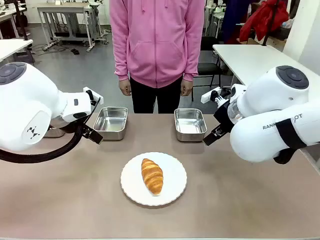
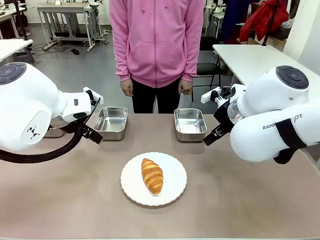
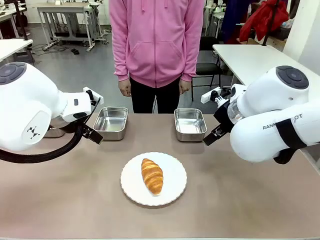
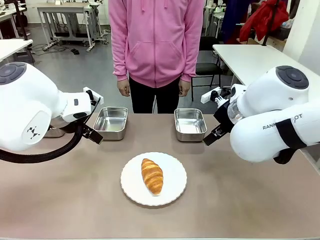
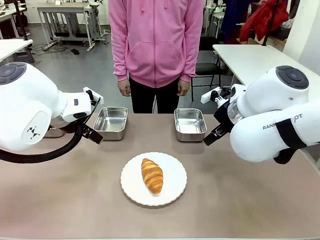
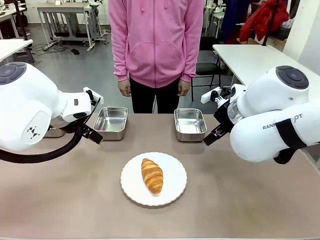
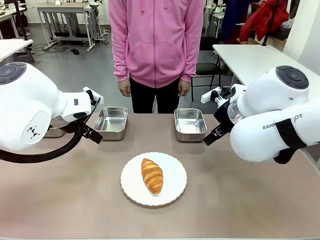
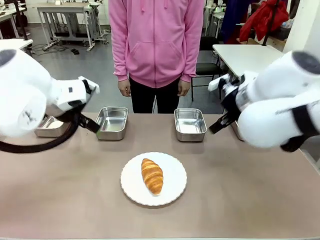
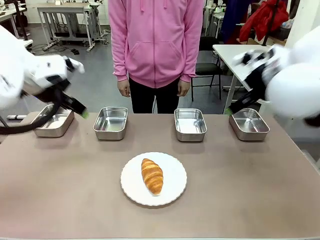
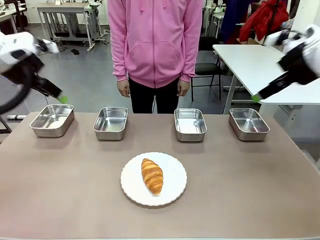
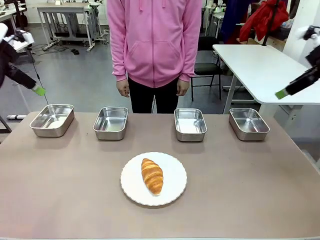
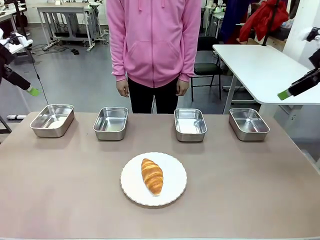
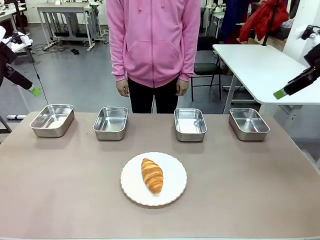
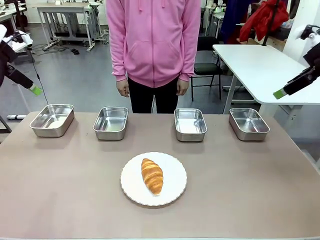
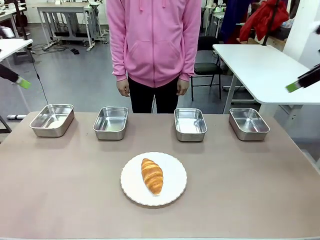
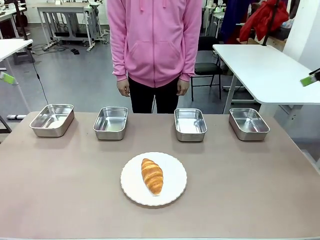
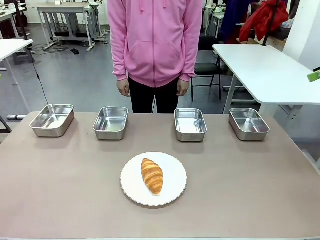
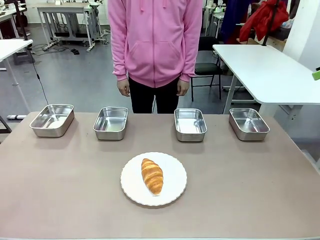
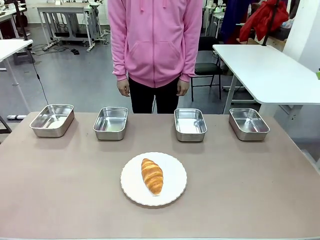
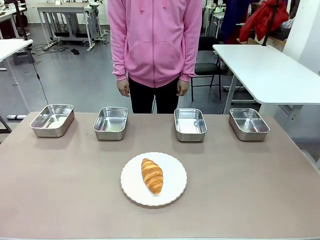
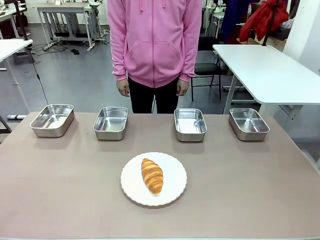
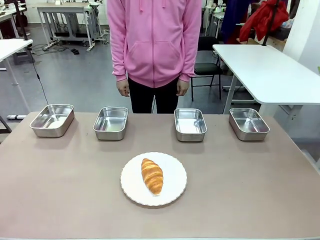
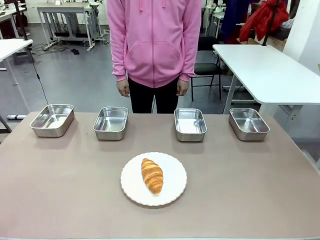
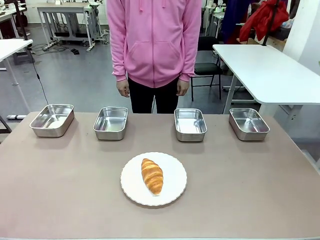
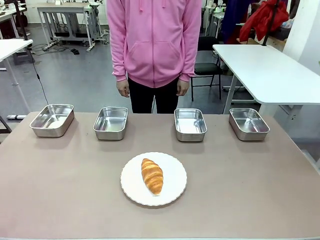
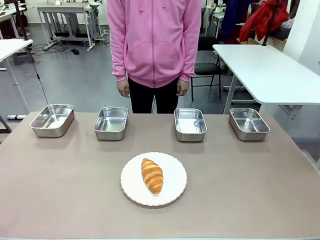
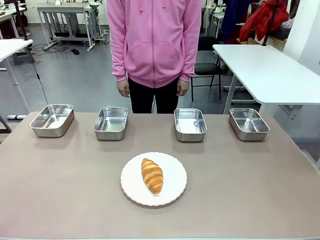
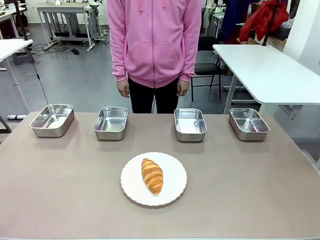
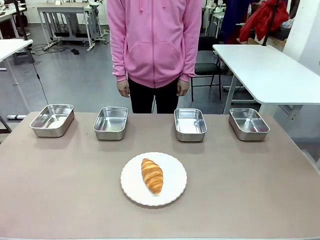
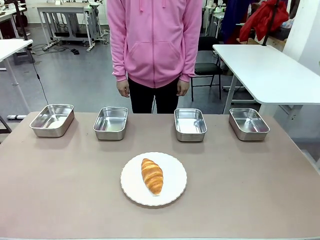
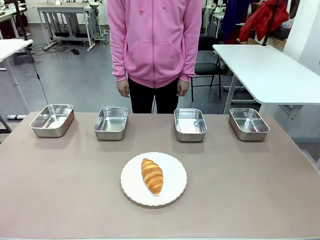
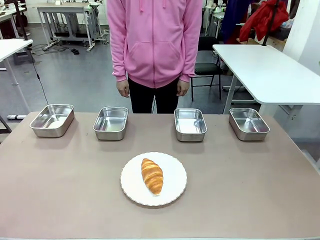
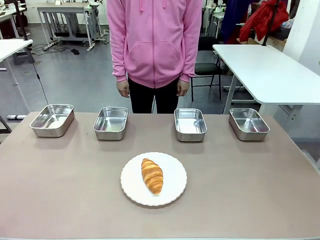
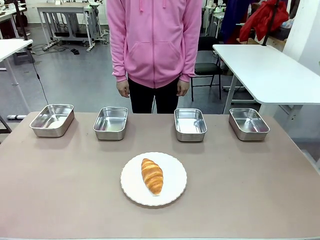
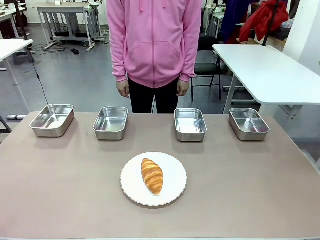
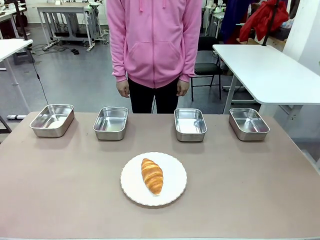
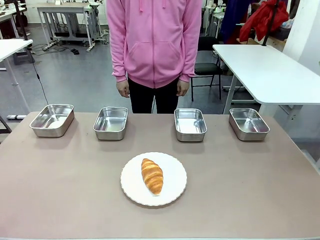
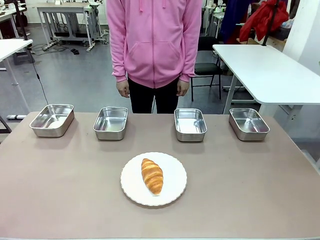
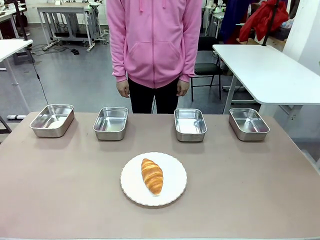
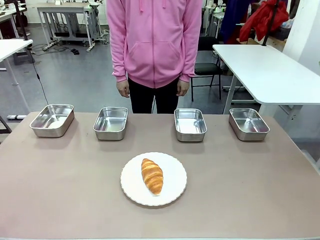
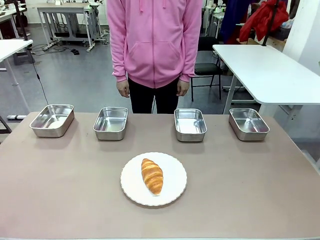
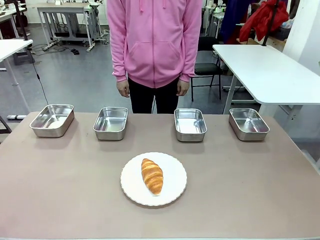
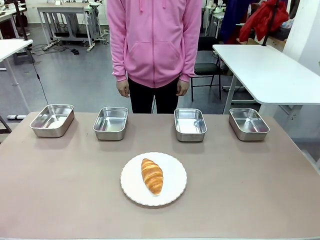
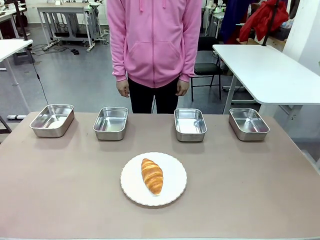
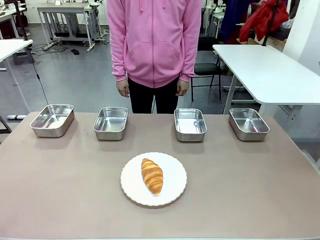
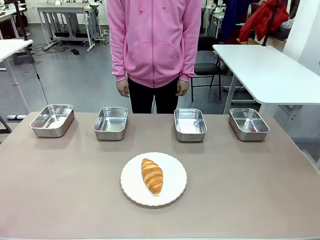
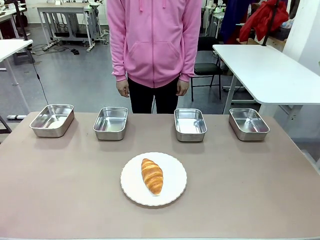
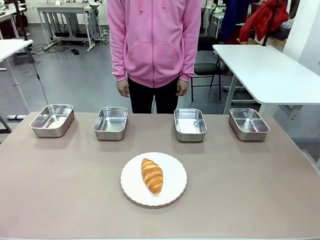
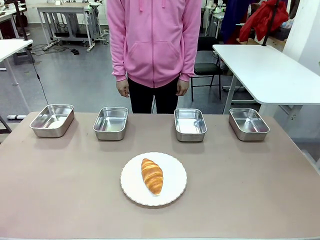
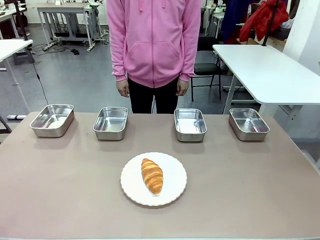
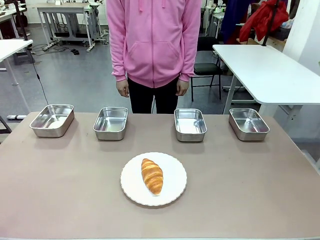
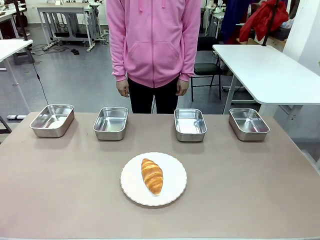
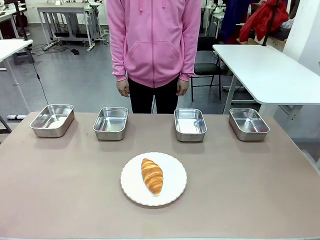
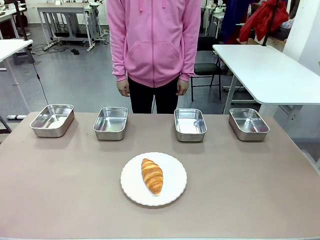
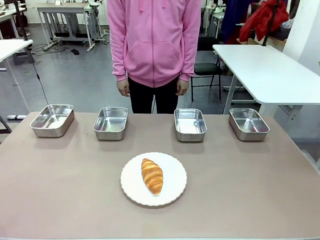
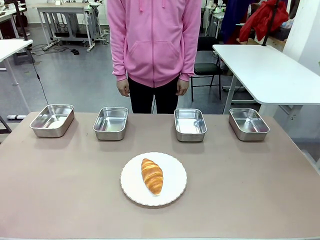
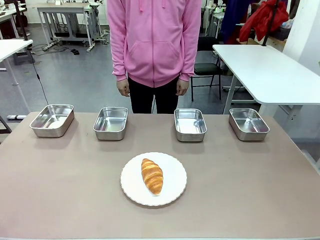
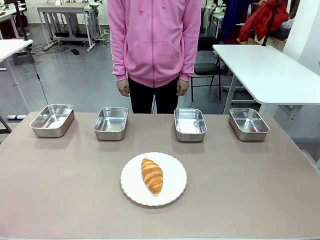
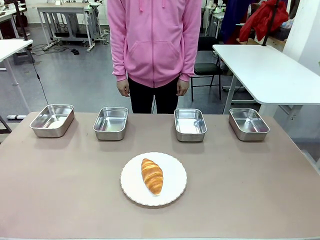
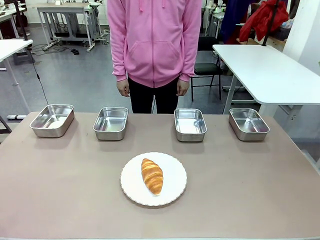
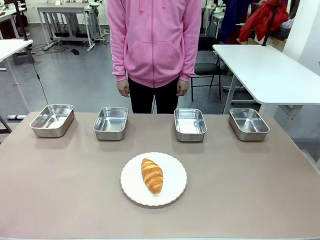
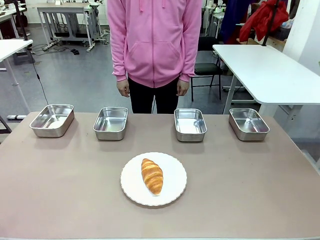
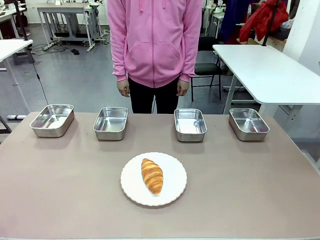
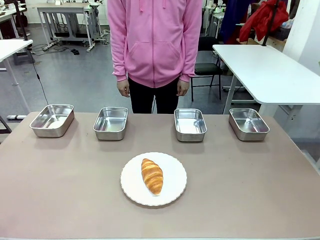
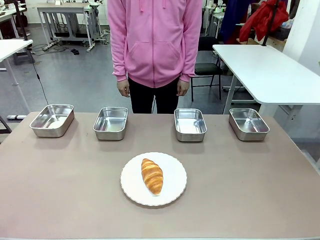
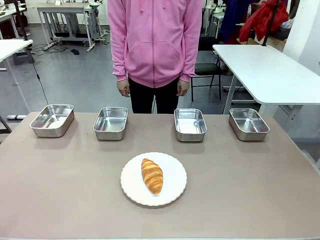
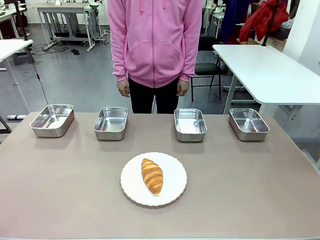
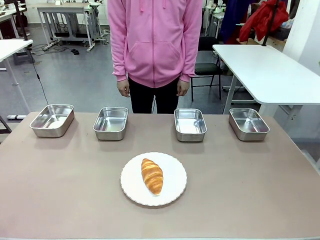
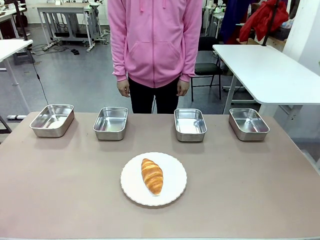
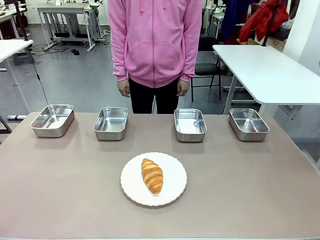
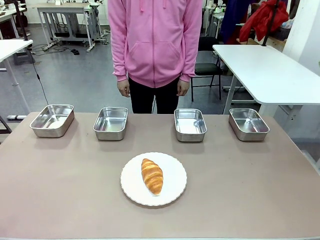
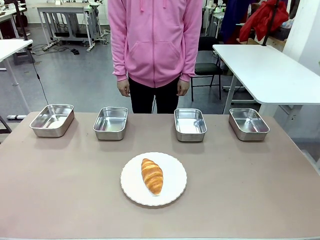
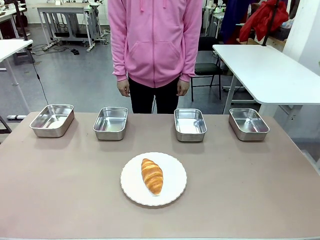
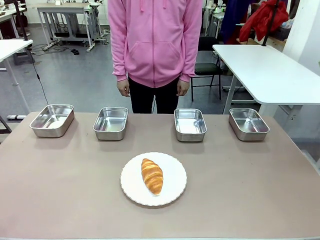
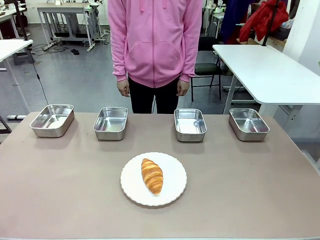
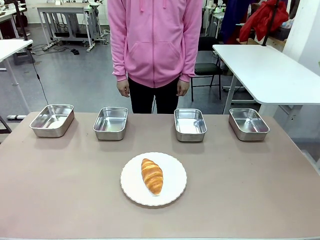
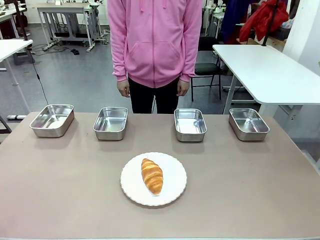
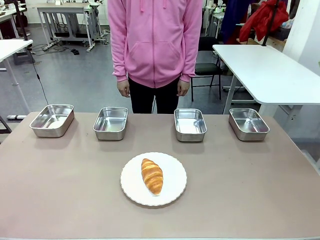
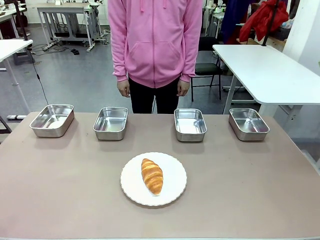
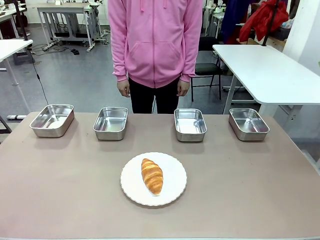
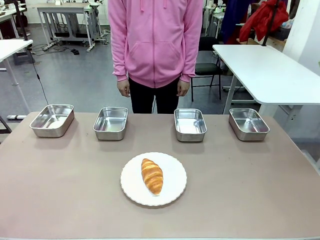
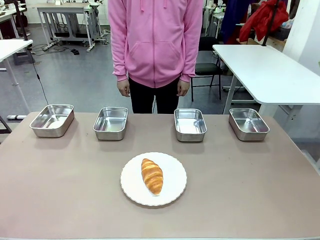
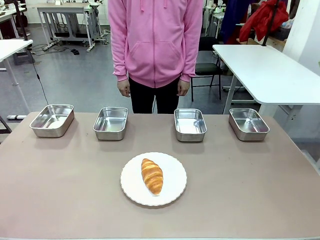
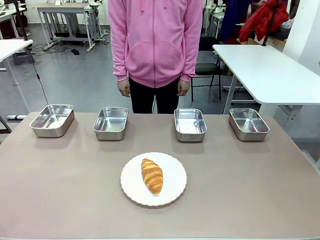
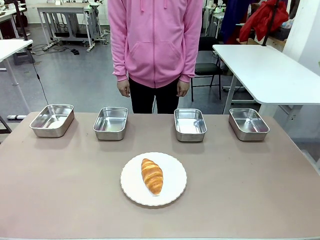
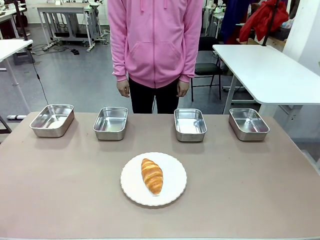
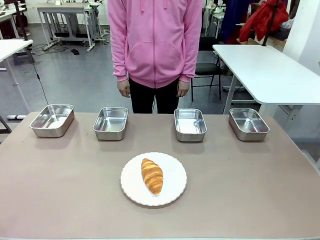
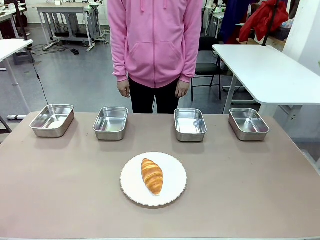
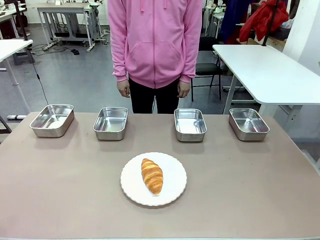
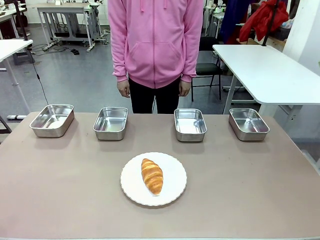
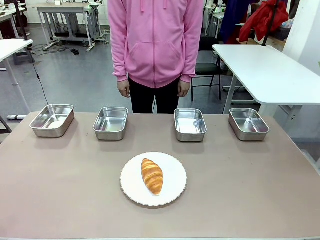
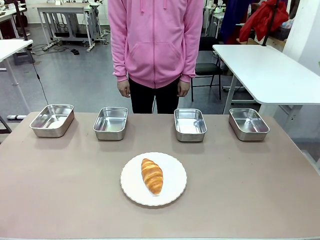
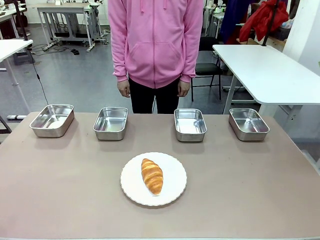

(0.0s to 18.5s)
Task: Place the bread in the container.
Robot: Place the Butter Roll into the Airtight Container indicated by the human.
